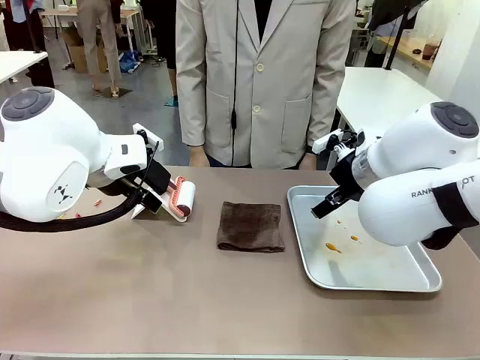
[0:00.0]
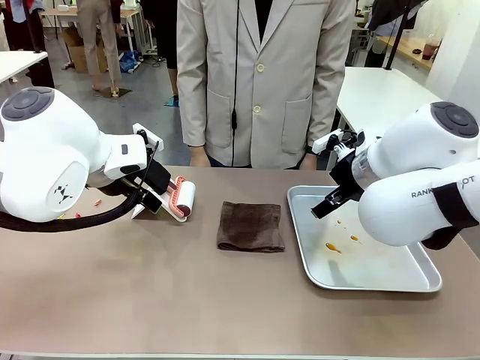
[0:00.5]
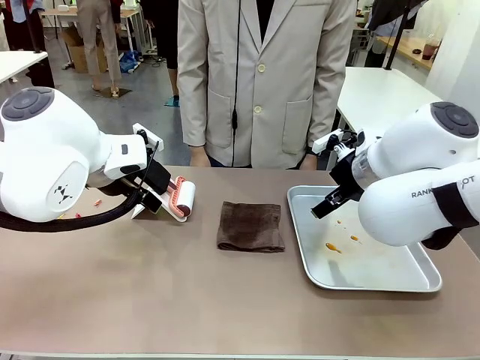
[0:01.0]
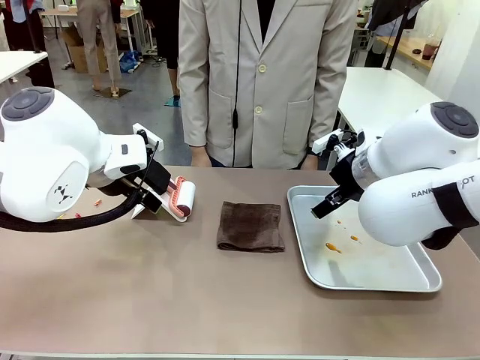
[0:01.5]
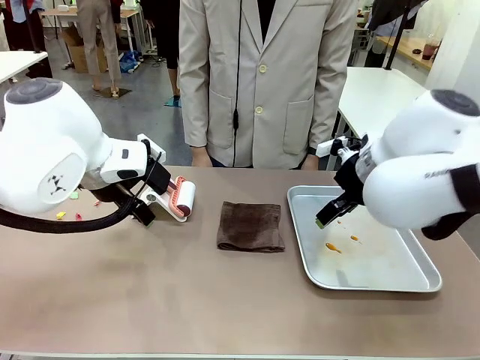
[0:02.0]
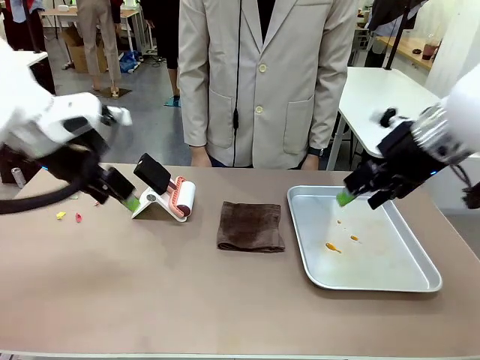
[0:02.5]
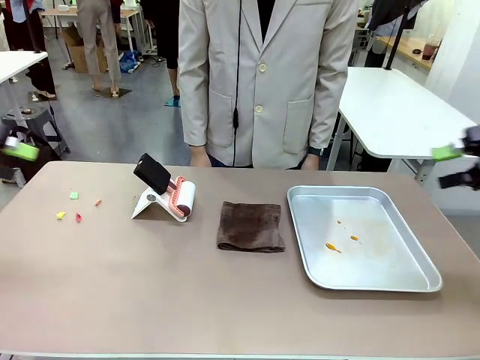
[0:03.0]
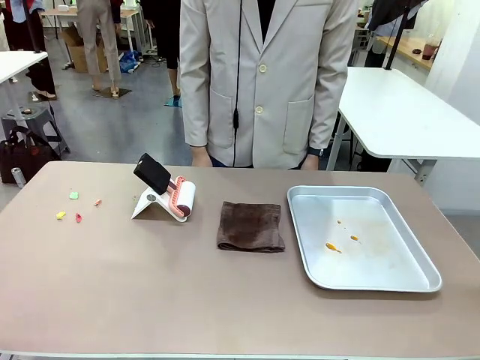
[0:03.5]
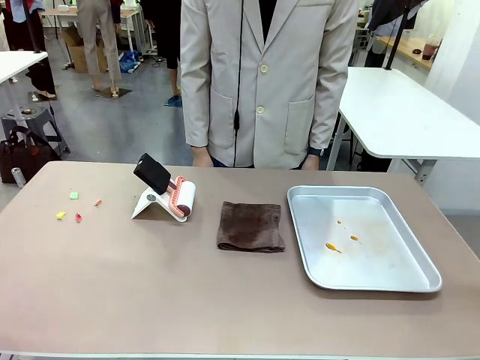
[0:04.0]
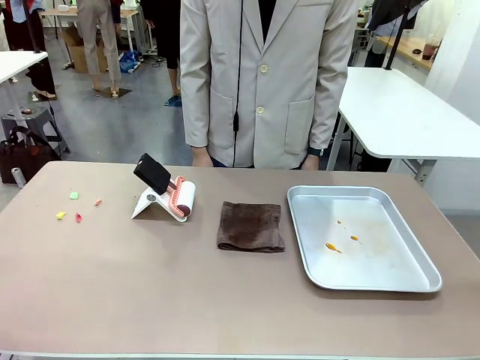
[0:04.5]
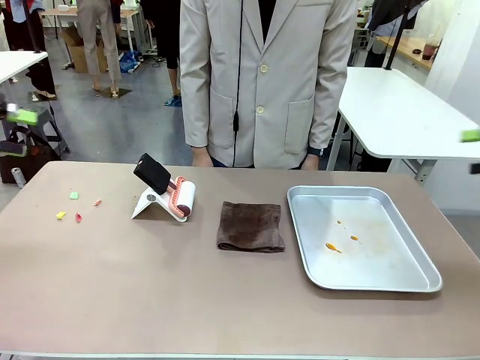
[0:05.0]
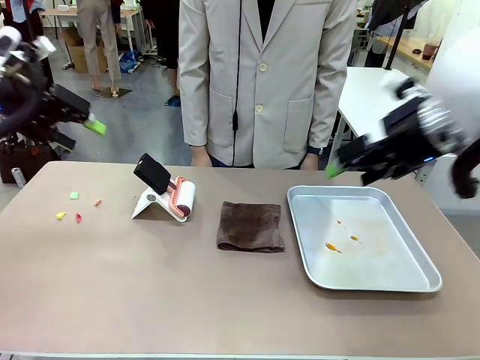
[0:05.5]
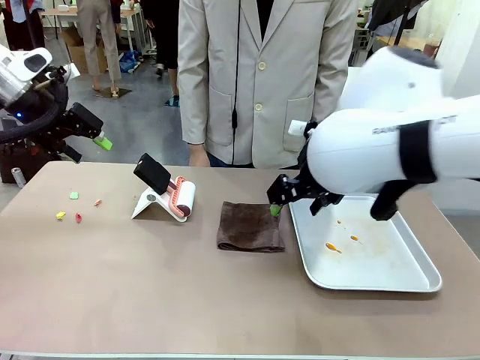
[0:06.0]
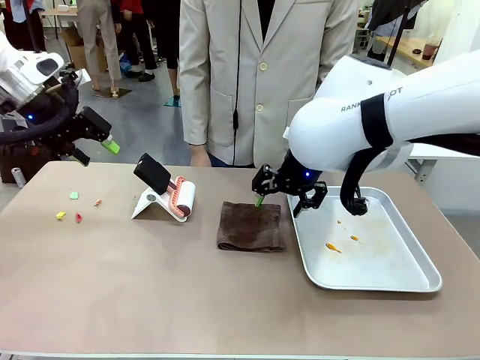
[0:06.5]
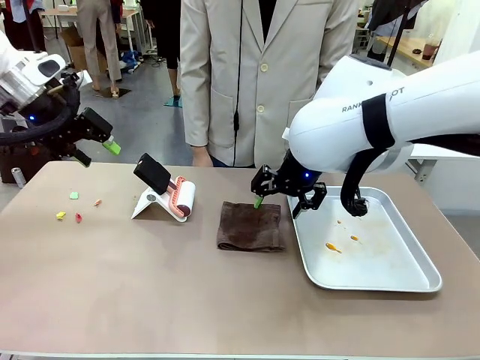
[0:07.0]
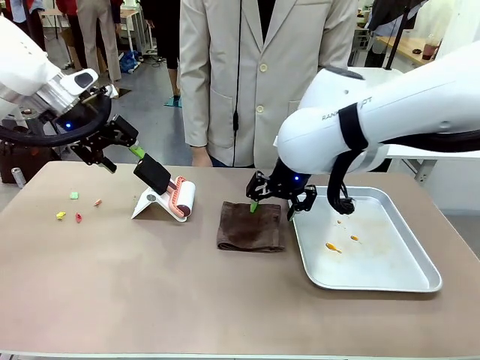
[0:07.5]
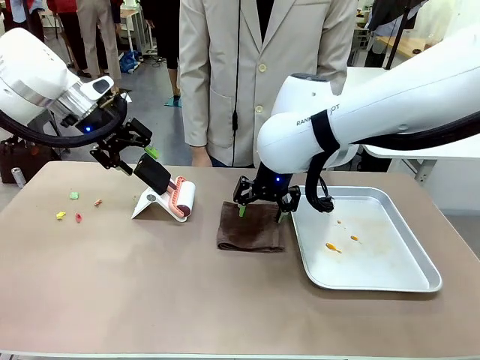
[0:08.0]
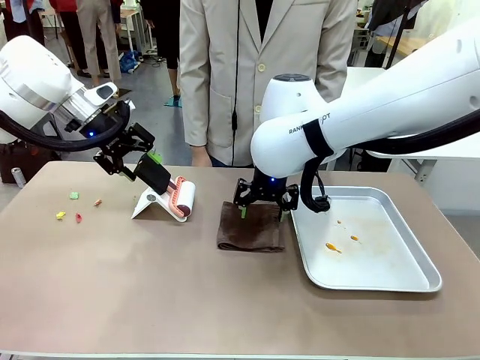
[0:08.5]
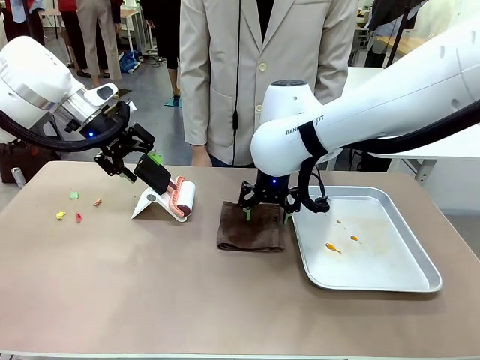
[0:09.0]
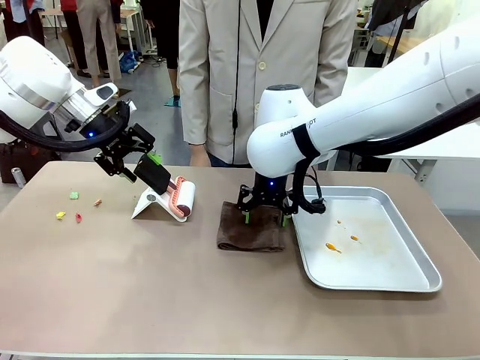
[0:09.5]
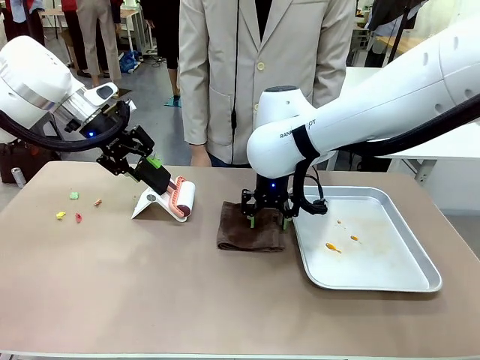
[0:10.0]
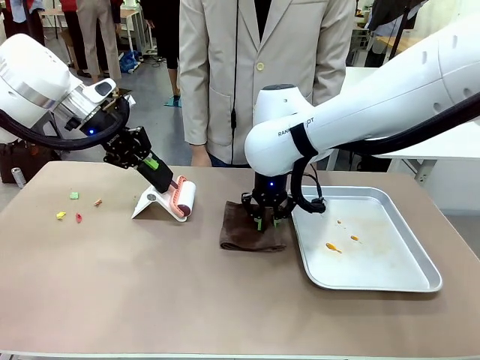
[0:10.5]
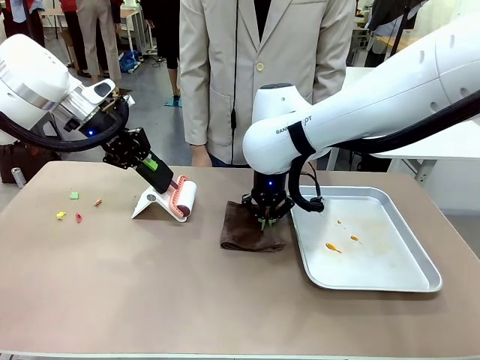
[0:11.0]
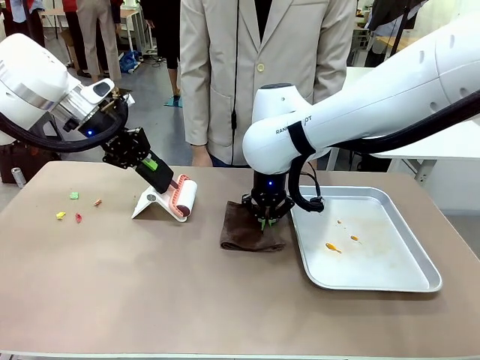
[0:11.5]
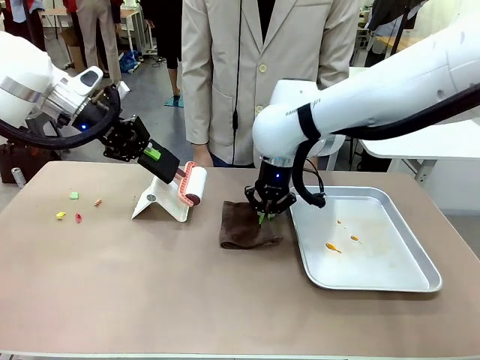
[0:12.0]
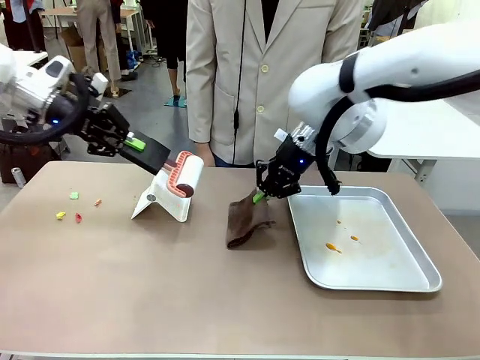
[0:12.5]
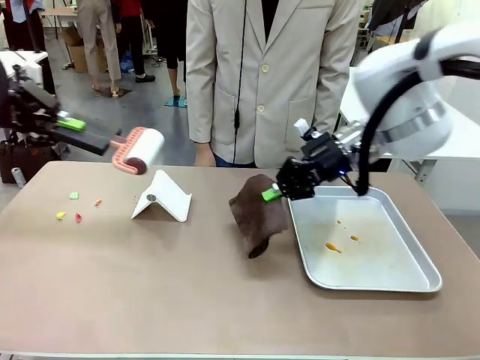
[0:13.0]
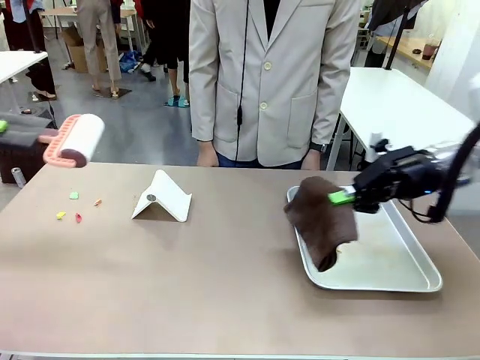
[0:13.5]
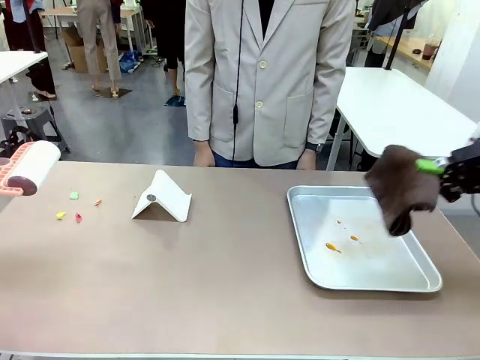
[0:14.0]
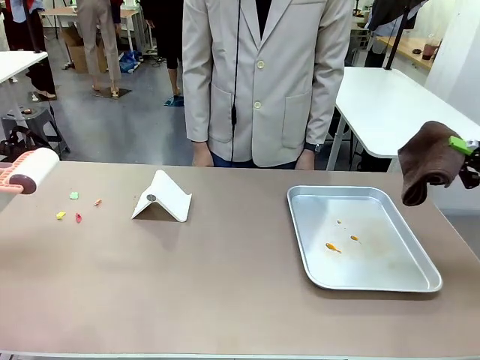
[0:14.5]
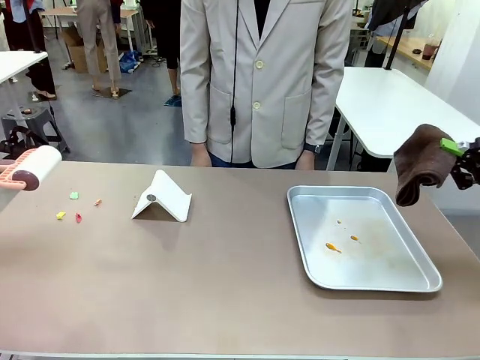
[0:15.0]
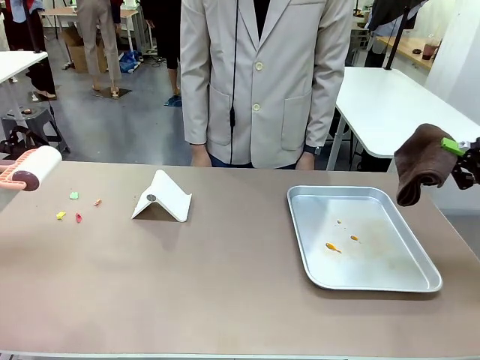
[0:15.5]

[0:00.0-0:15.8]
Task: Clean the surface of the table.
Robot: Hold the Lint Roller with your left hand and the towel with your right hand.

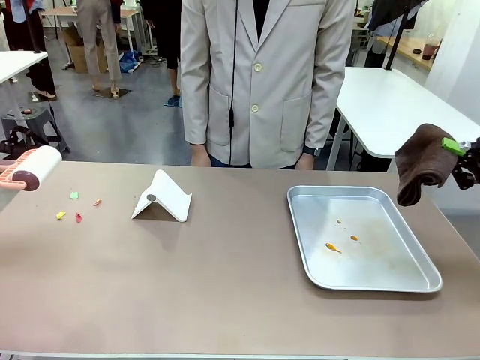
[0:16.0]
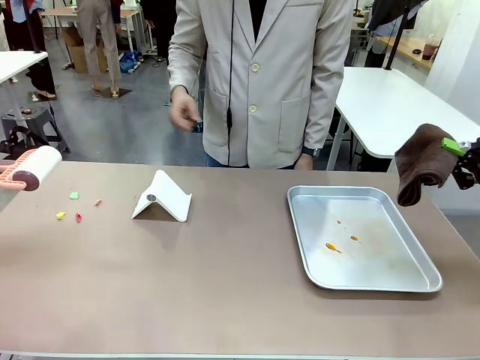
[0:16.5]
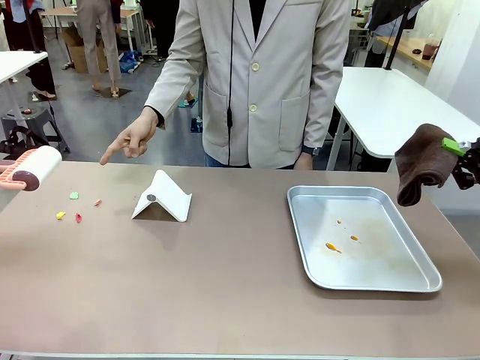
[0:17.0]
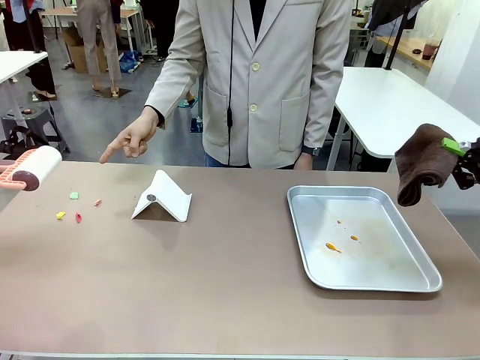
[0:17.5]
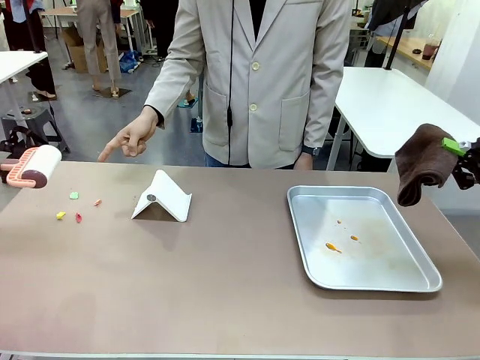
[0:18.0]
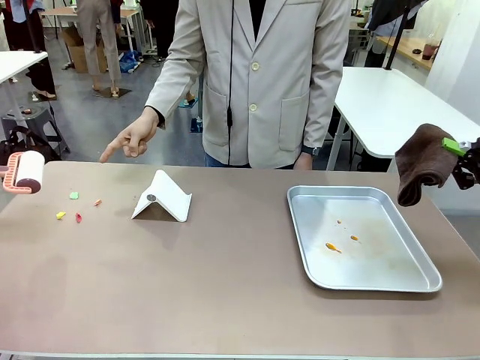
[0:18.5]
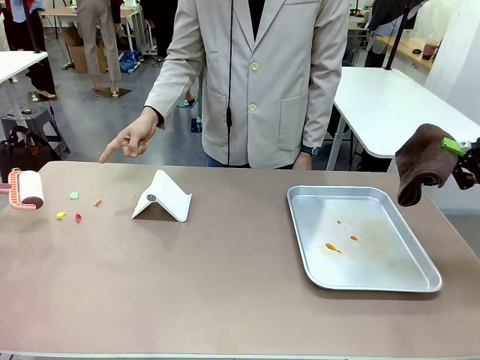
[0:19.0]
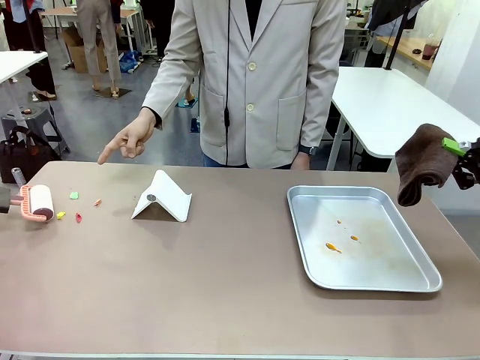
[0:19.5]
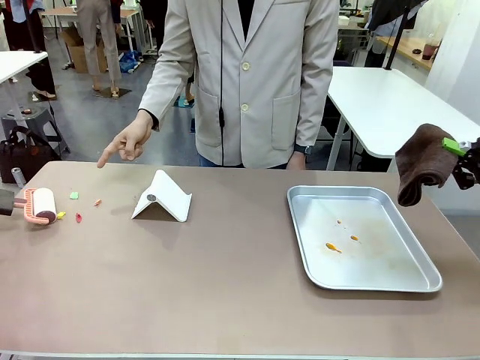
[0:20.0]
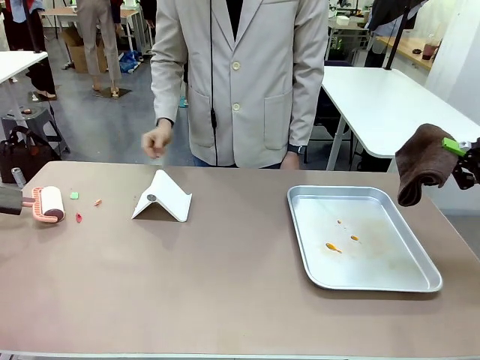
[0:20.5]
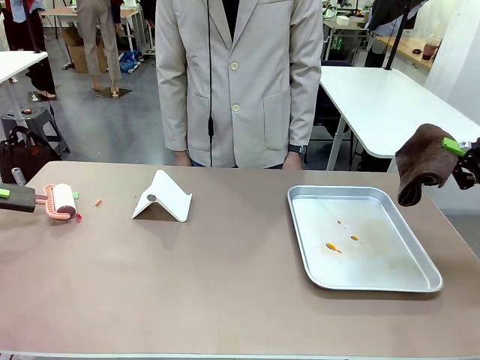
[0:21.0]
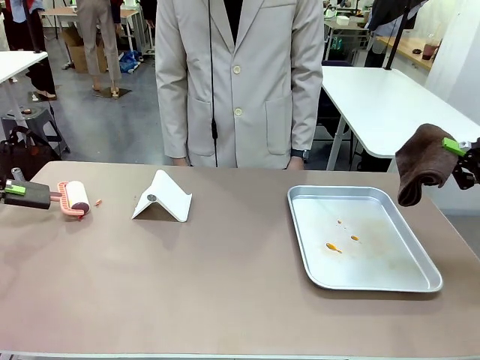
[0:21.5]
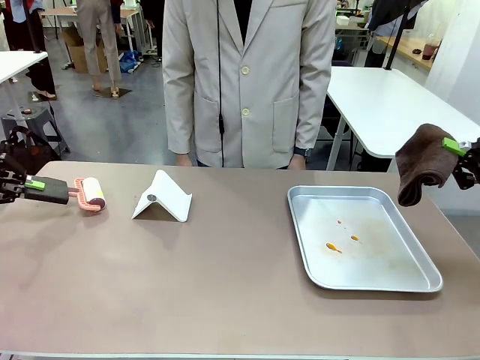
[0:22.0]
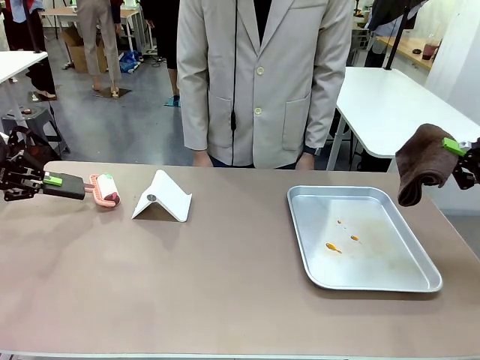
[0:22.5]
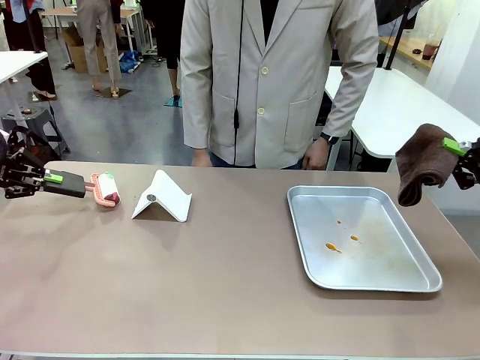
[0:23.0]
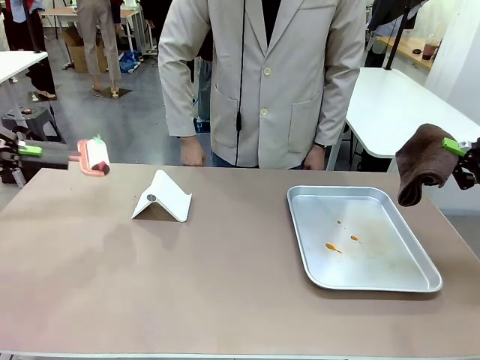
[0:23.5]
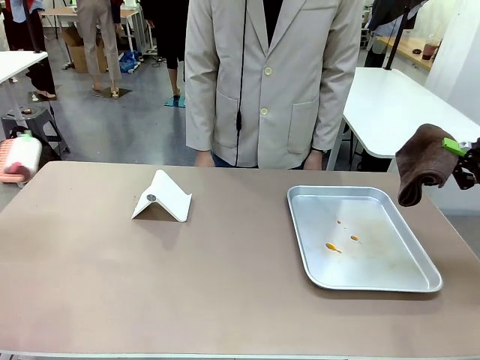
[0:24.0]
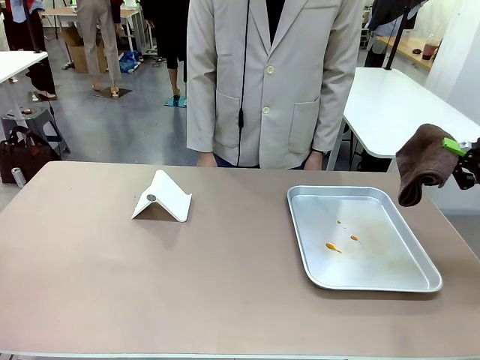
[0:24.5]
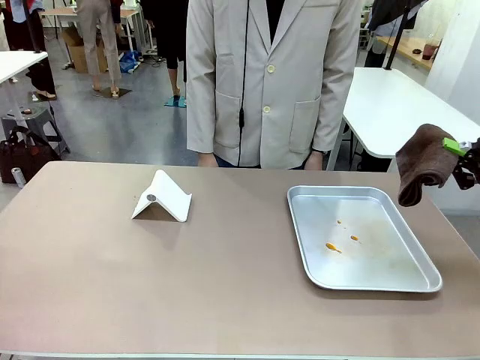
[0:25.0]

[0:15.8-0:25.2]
Robot: If a person points to the right, clean the right side of the table with your right hand, and if they point to the left, clean the left side with your left hand.
